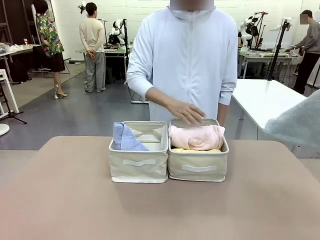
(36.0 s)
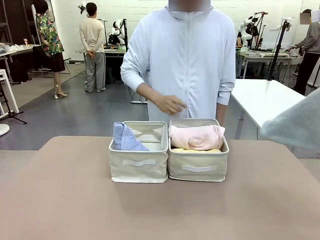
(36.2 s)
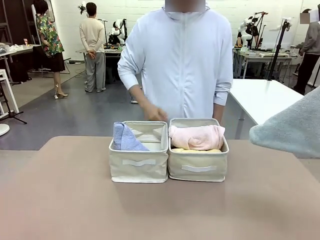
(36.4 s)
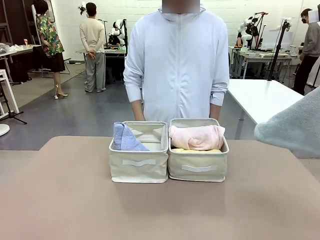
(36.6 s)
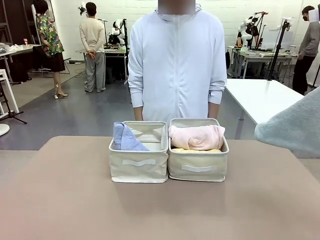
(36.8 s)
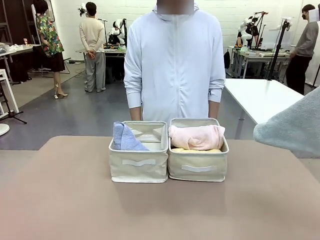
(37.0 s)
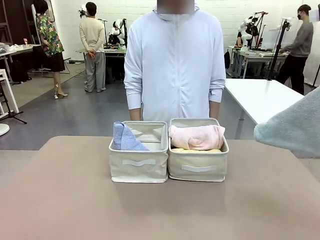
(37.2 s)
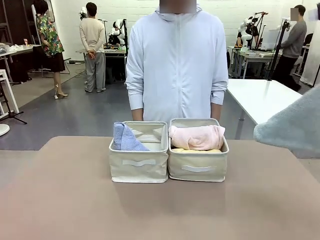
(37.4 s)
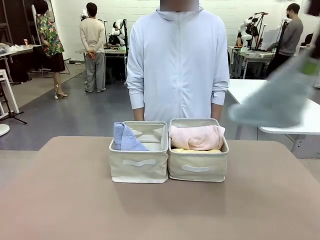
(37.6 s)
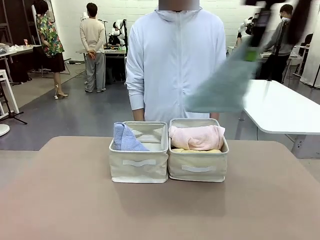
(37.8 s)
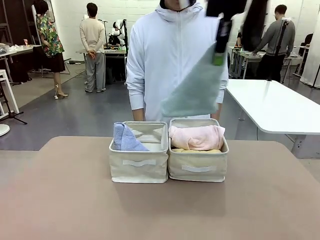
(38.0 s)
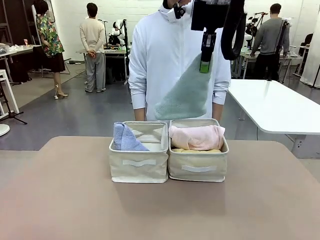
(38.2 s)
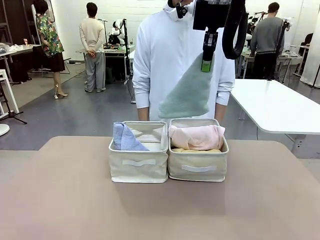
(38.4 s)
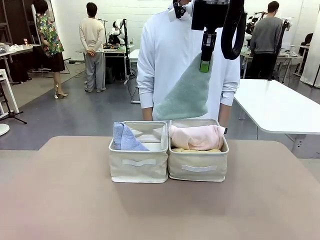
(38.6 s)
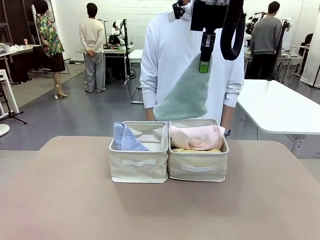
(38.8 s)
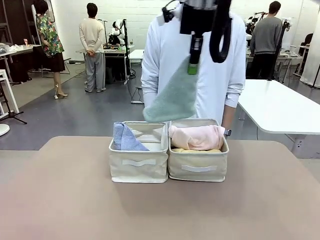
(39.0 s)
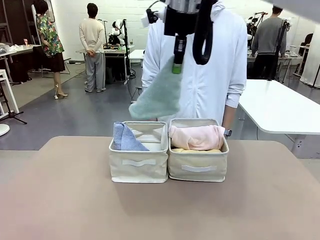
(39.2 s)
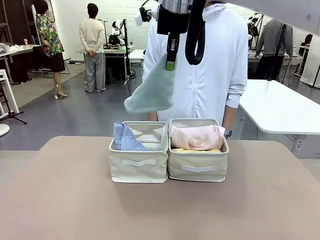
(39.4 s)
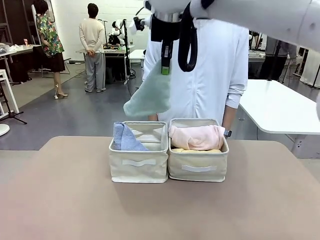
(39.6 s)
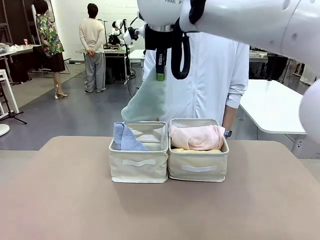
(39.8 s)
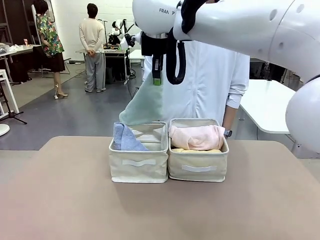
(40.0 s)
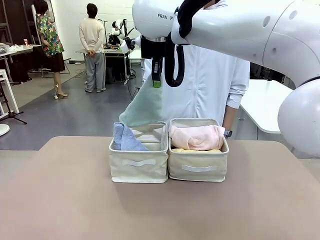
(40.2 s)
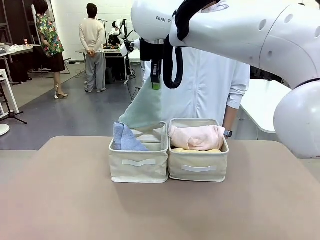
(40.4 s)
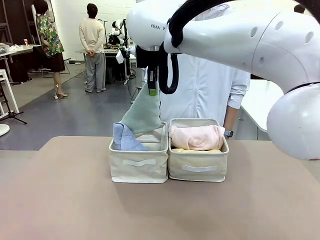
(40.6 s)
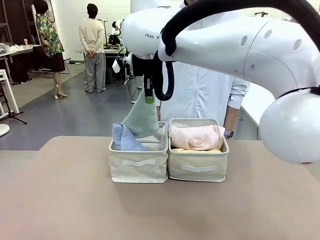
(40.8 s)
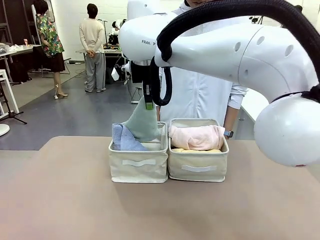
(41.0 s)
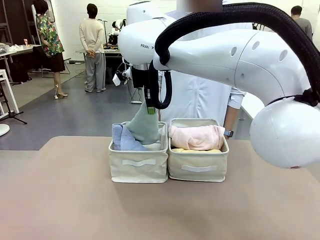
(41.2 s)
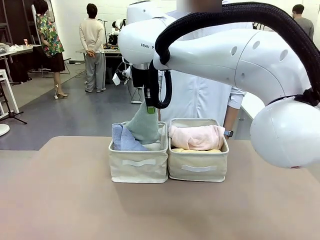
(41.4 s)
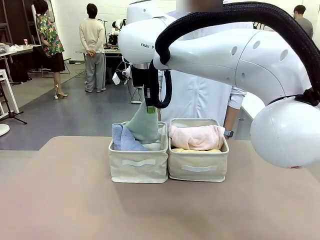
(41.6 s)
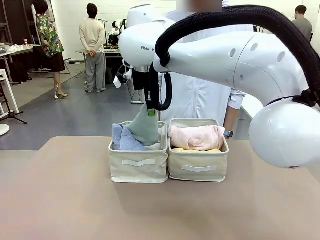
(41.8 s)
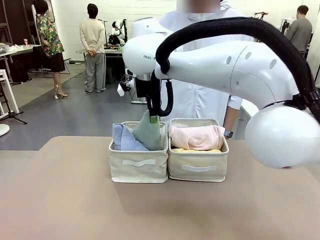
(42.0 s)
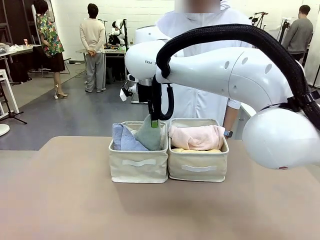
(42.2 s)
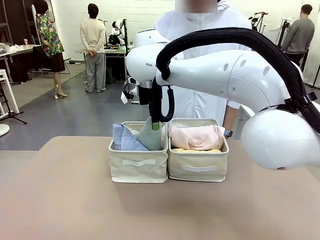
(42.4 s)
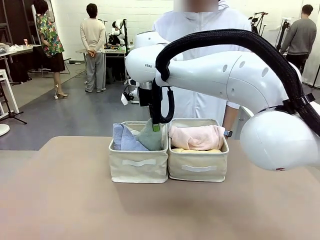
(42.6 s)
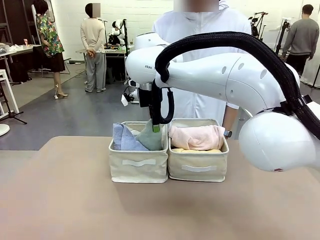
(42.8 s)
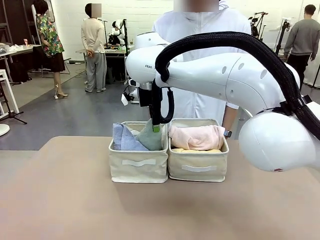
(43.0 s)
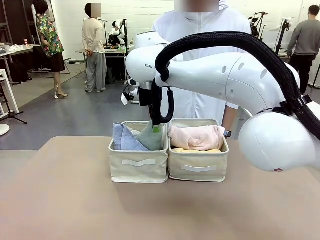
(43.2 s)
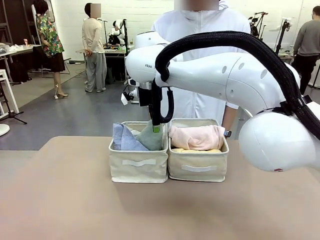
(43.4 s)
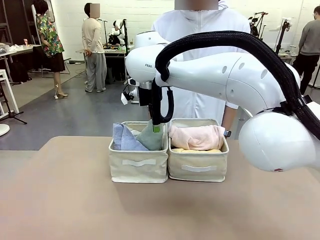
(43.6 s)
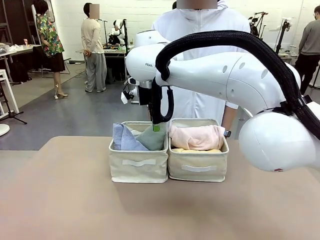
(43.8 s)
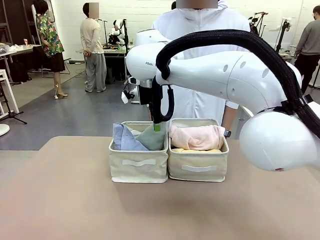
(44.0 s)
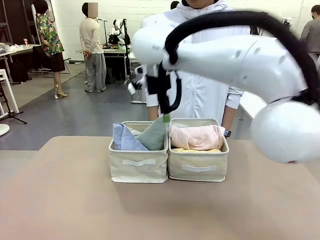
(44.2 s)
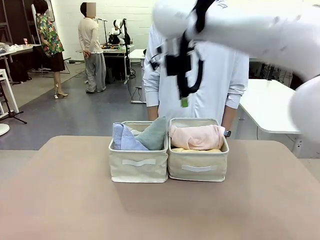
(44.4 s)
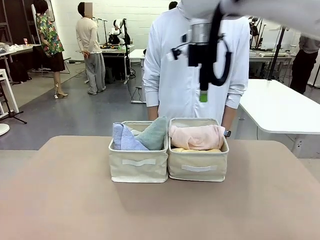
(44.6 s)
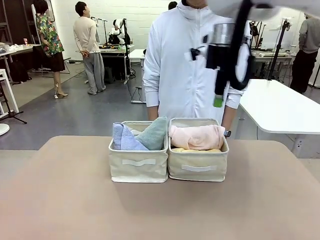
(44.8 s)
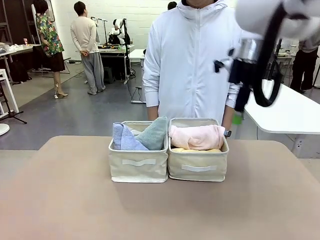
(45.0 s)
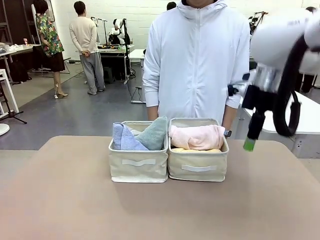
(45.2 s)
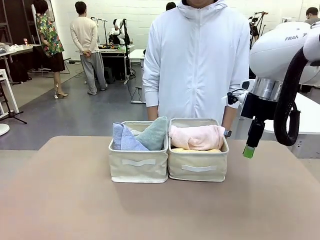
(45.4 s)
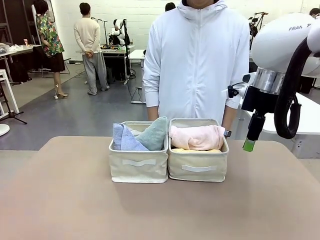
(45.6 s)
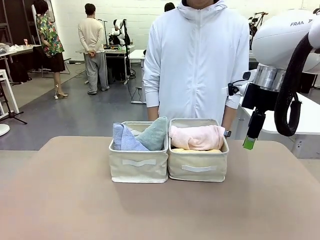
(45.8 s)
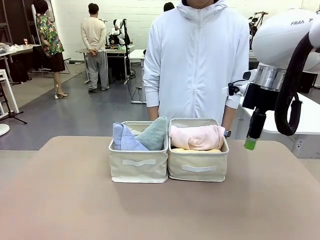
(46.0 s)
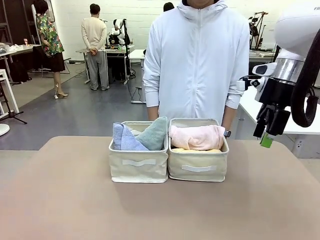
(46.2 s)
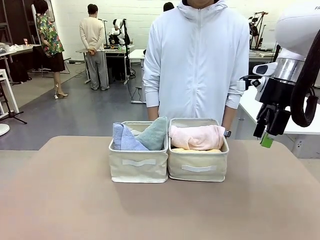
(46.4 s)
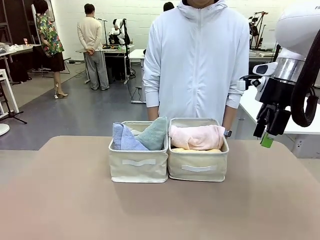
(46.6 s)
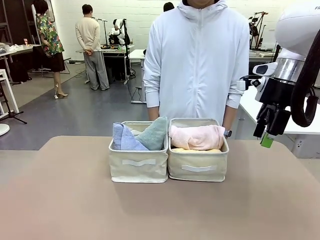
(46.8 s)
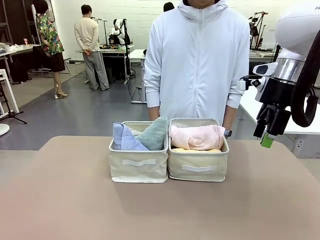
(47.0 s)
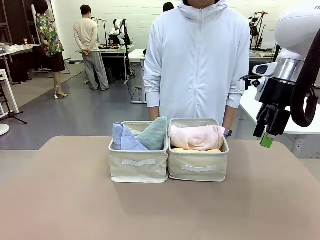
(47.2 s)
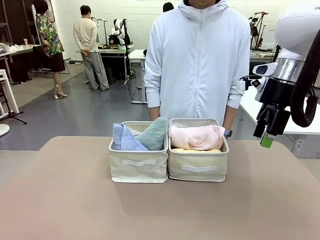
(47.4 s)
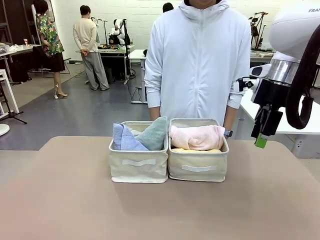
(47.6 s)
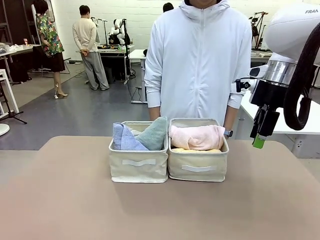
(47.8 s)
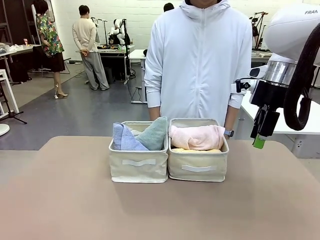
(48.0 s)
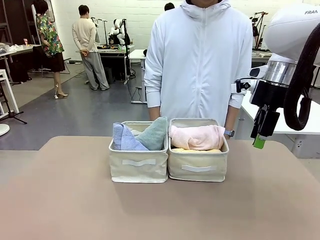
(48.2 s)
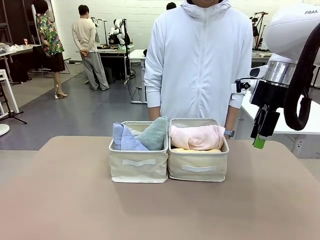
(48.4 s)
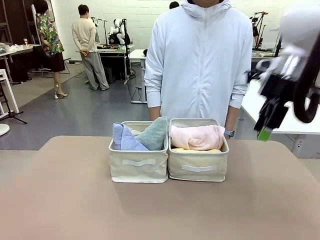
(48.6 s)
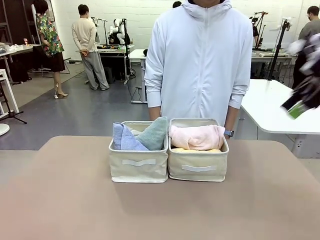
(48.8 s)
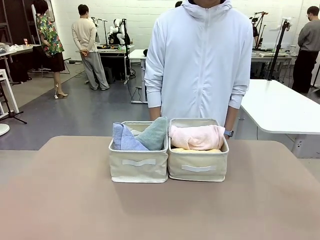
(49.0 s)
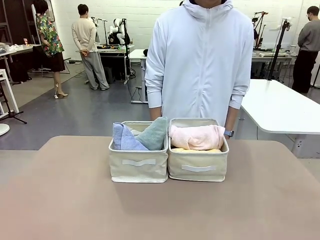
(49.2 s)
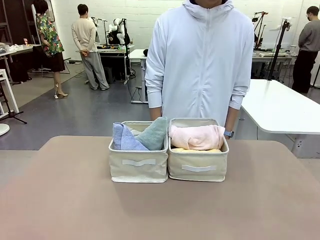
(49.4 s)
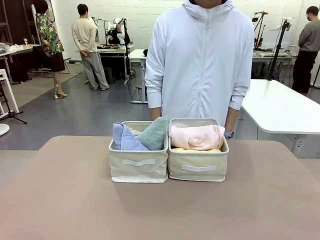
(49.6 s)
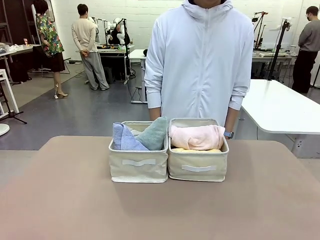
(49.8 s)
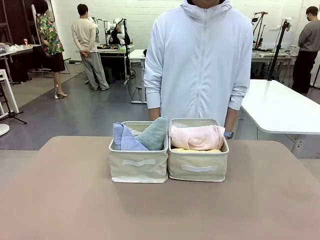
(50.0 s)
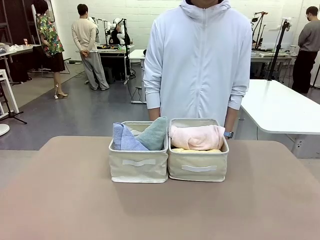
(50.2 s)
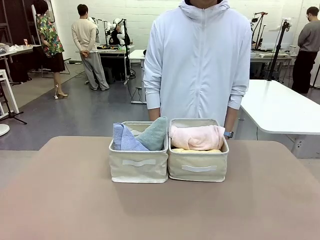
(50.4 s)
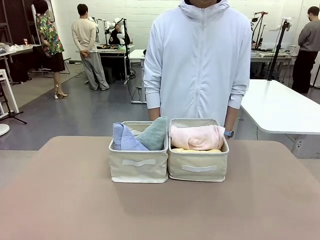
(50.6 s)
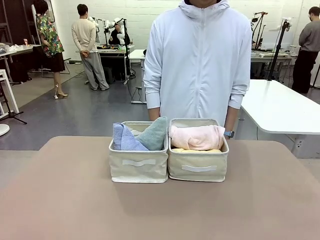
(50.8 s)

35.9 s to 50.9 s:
Task: Sort the towels based on their folding style.
Robot: Pick up another triangle-folded towel from the table and place it in the left Fabric basket.
